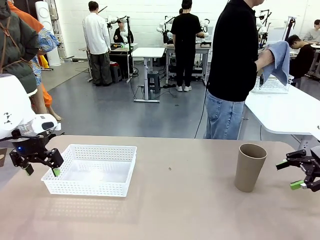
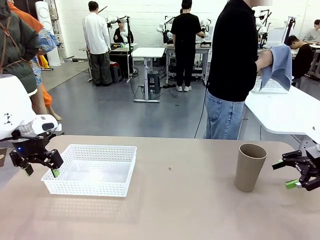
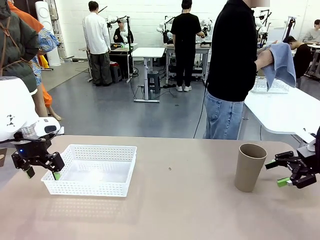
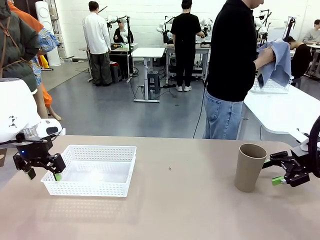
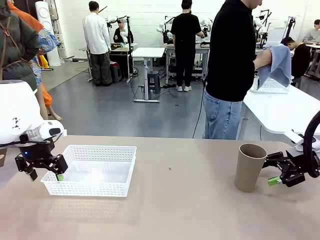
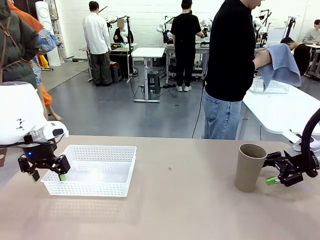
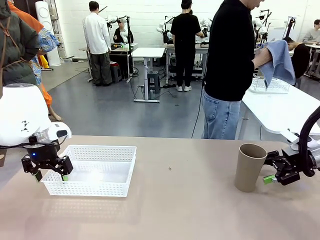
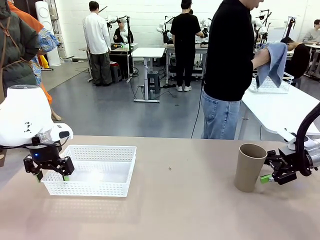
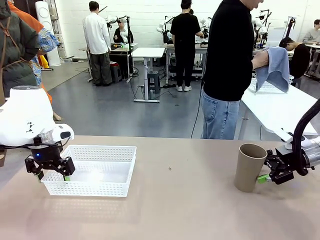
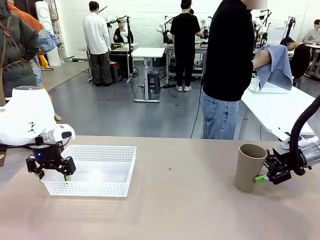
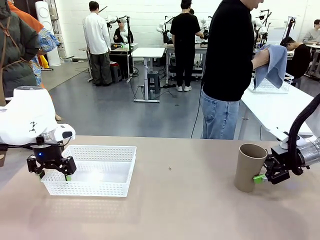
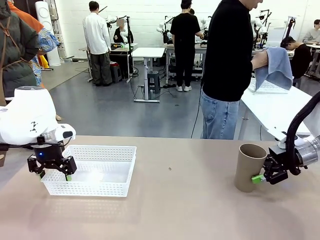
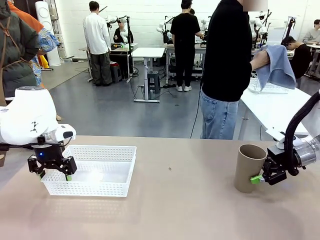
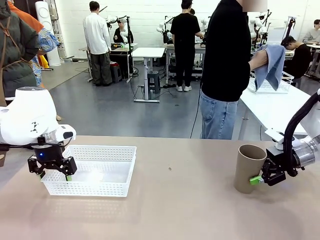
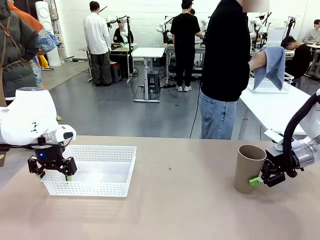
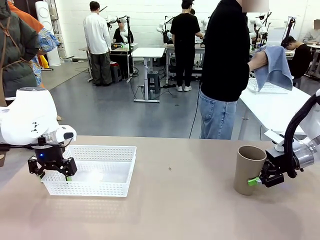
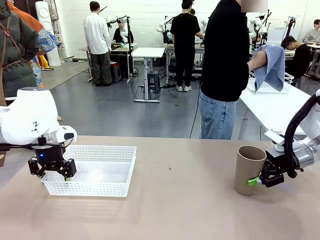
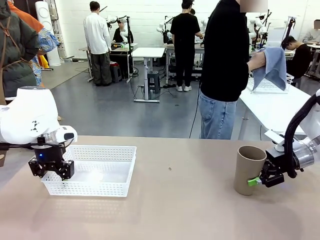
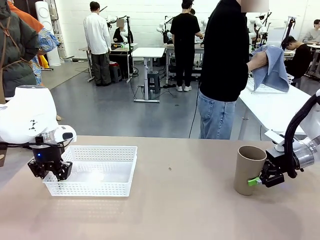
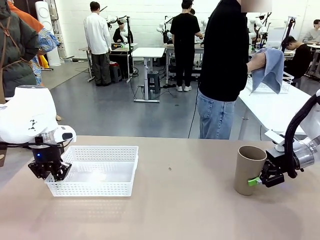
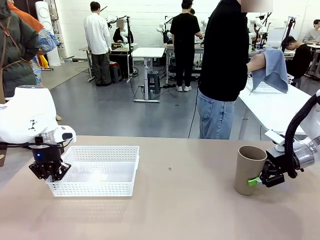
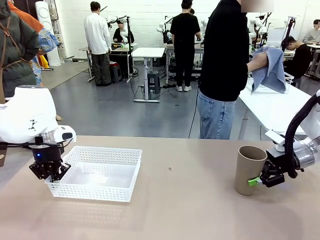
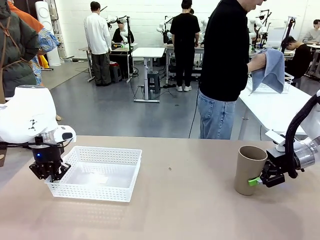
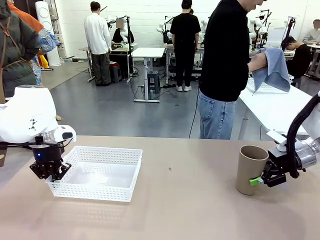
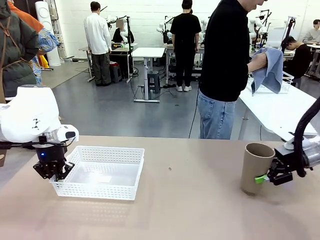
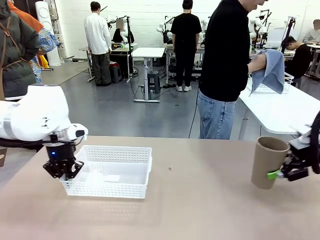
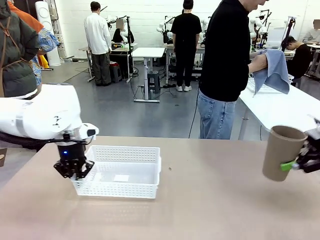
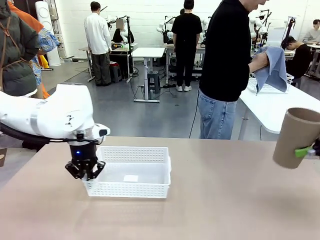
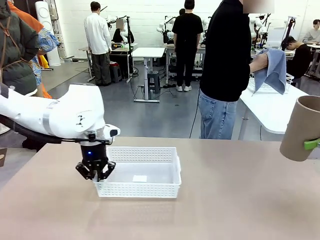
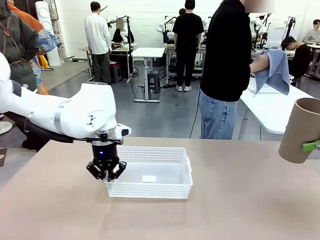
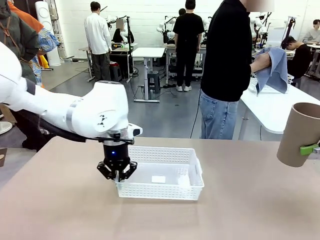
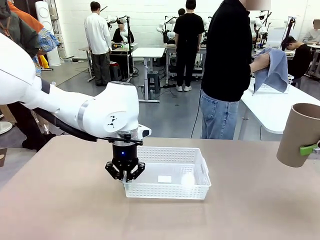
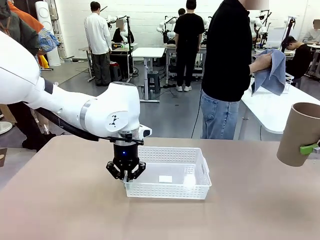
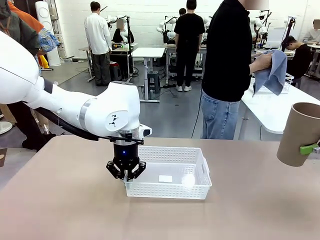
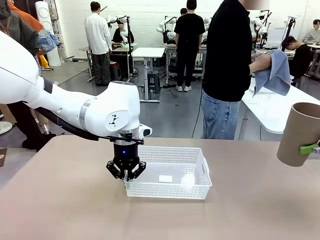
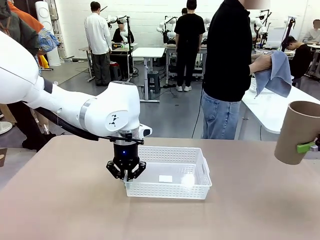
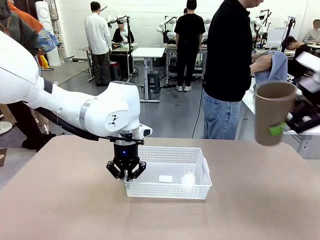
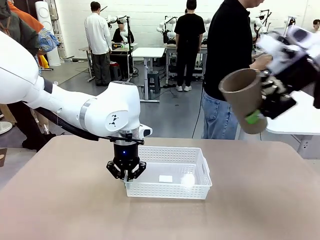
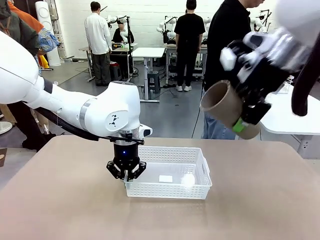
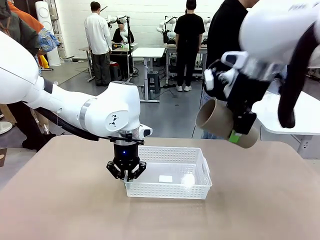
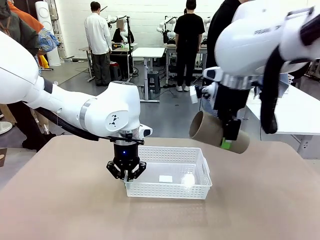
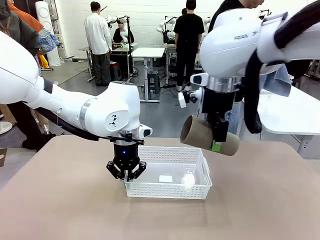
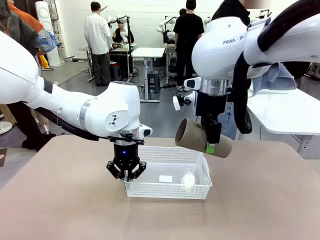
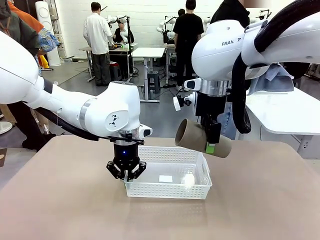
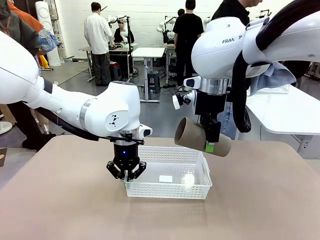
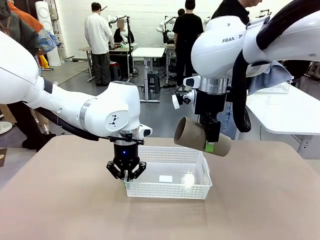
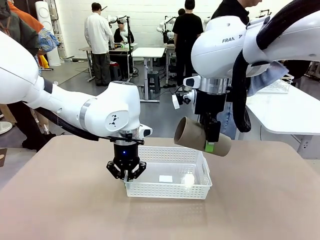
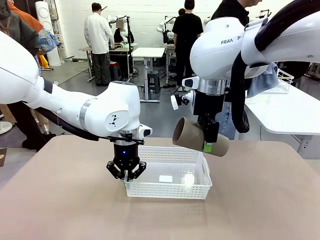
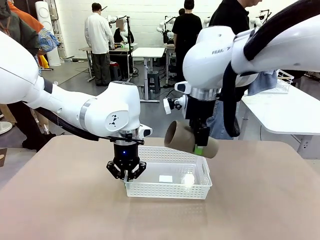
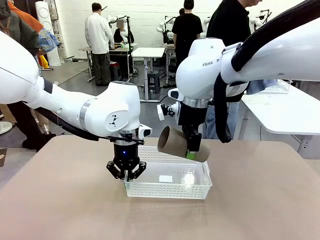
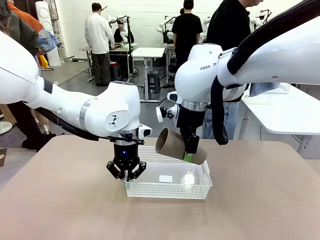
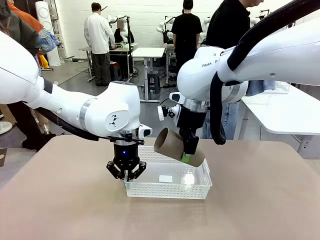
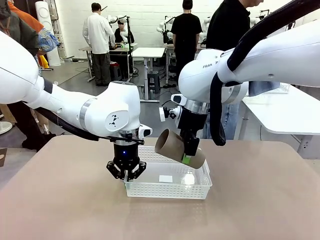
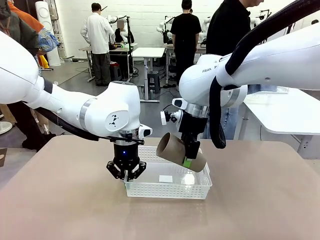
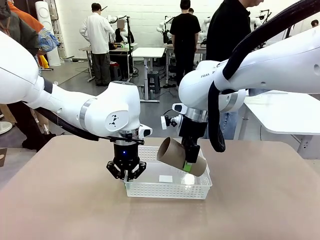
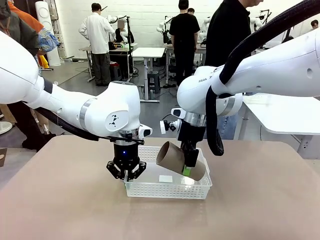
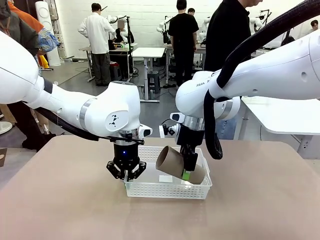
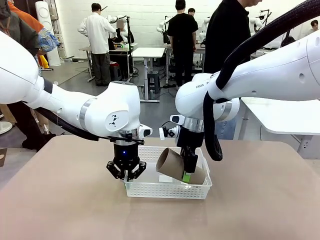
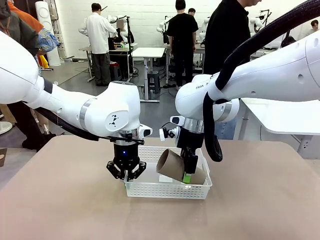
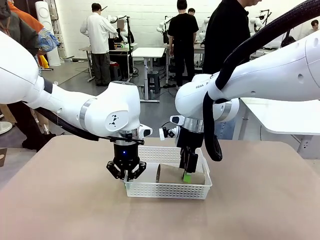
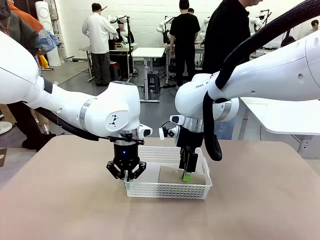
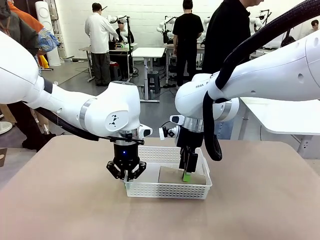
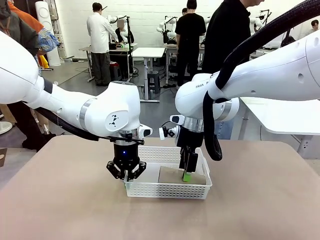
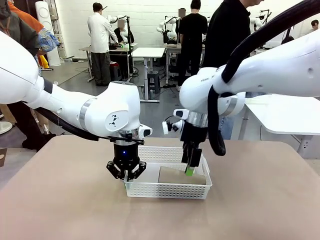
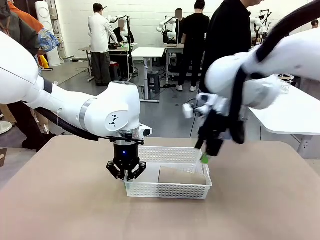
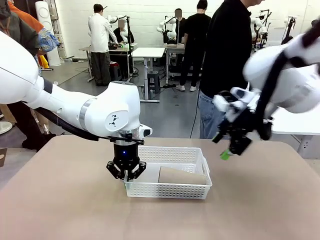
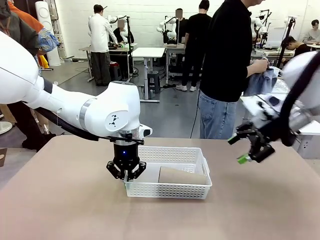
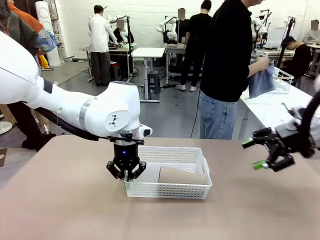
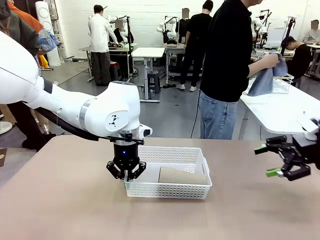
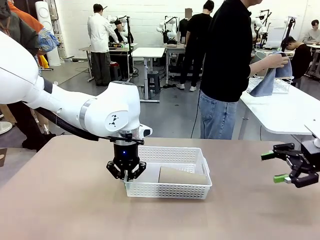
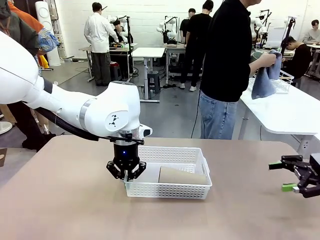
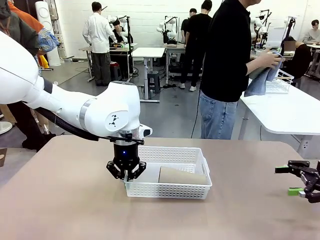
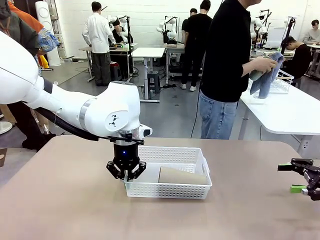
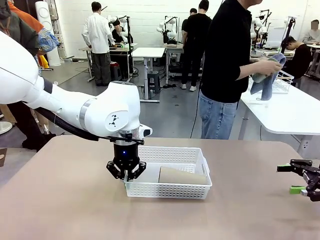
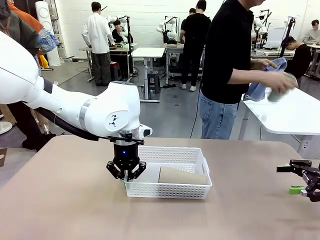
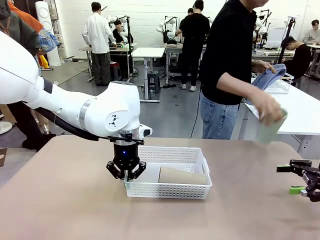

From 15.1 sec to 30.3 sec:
Task: Clean and organize the cups into the basket.
Robot: Pick up the Organizing basket and move it to the center of the table, then pick up the Reusable plastic cup from the right side of the table and place it inside the Organizing basket.
